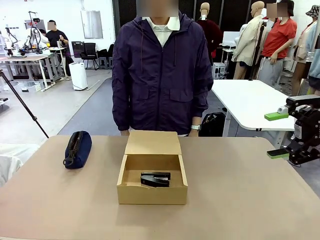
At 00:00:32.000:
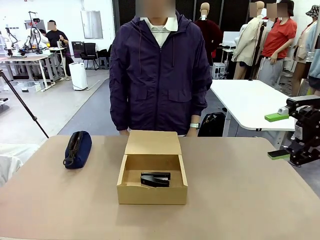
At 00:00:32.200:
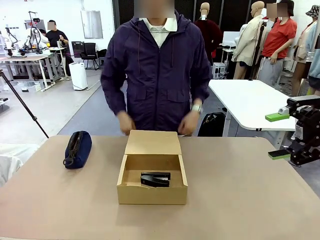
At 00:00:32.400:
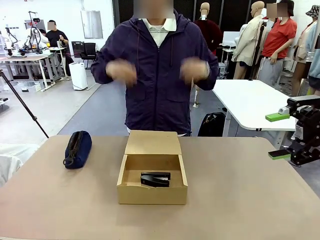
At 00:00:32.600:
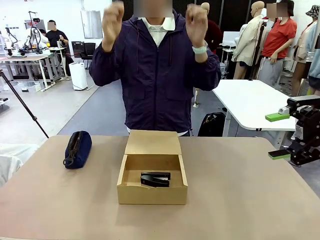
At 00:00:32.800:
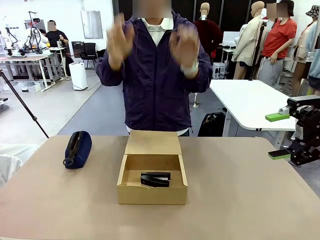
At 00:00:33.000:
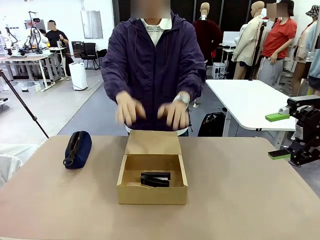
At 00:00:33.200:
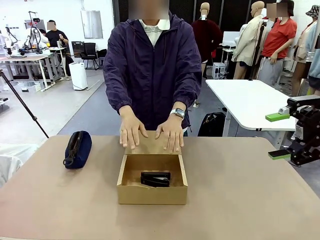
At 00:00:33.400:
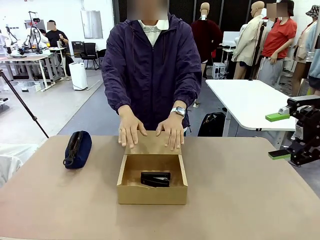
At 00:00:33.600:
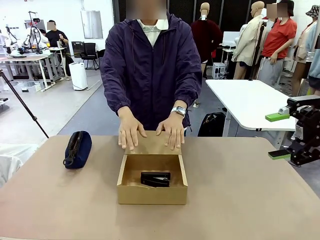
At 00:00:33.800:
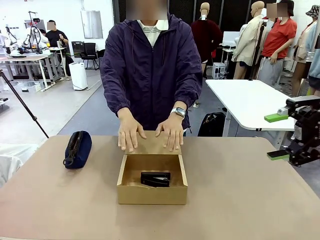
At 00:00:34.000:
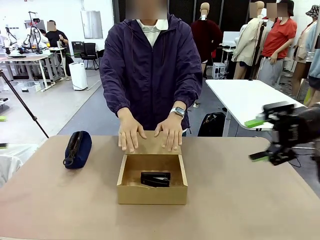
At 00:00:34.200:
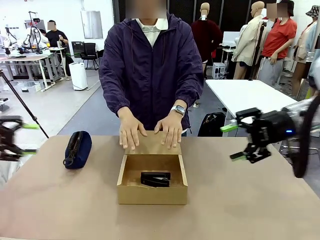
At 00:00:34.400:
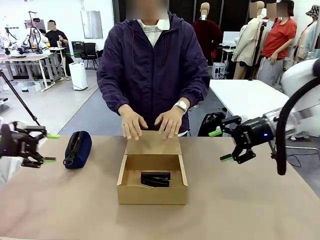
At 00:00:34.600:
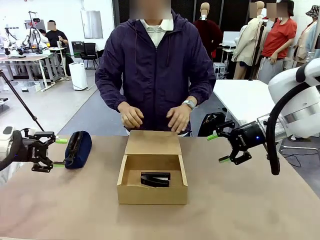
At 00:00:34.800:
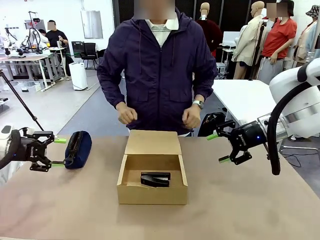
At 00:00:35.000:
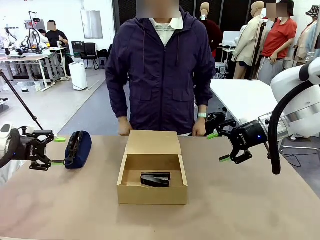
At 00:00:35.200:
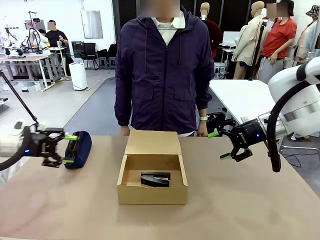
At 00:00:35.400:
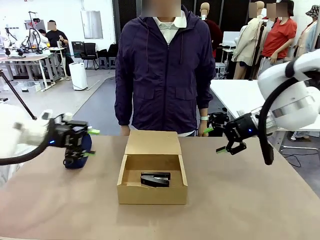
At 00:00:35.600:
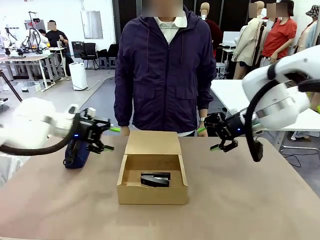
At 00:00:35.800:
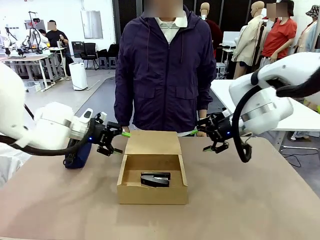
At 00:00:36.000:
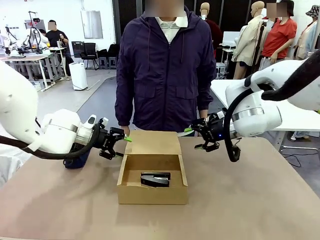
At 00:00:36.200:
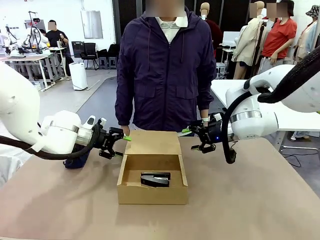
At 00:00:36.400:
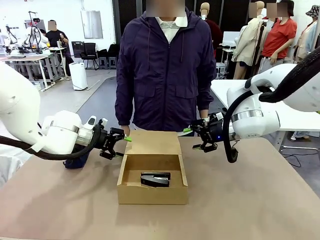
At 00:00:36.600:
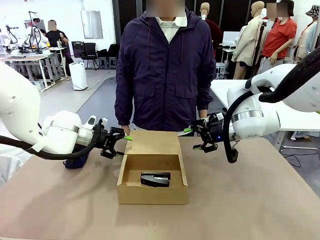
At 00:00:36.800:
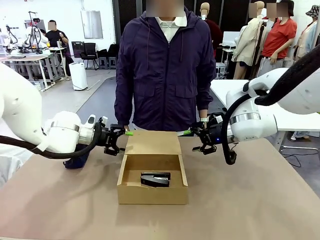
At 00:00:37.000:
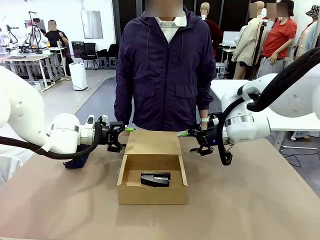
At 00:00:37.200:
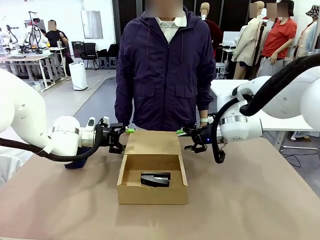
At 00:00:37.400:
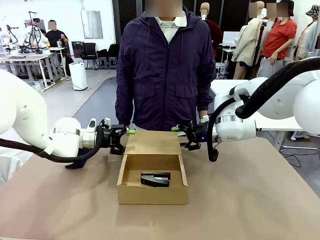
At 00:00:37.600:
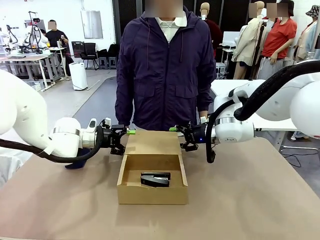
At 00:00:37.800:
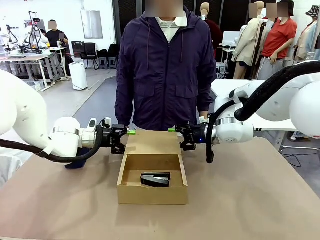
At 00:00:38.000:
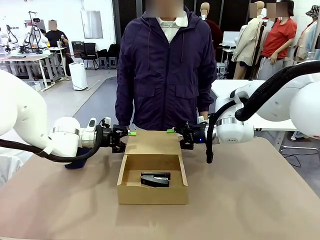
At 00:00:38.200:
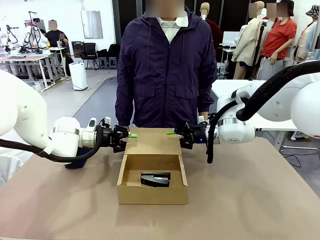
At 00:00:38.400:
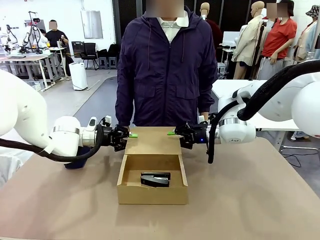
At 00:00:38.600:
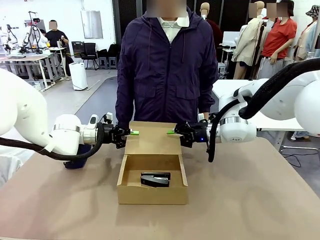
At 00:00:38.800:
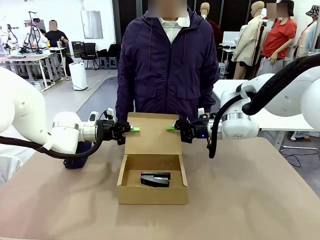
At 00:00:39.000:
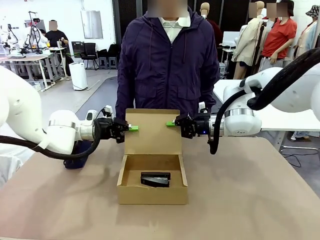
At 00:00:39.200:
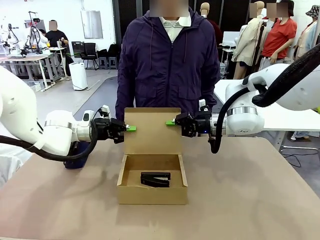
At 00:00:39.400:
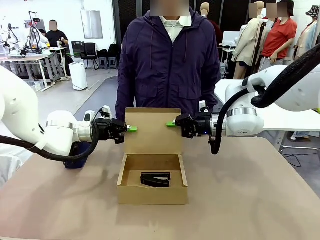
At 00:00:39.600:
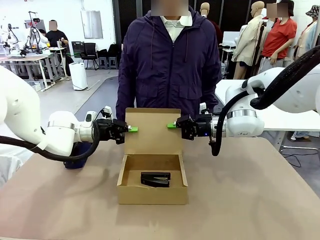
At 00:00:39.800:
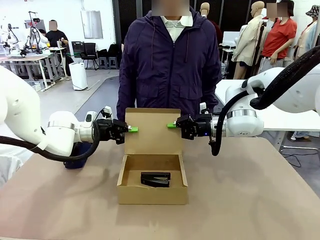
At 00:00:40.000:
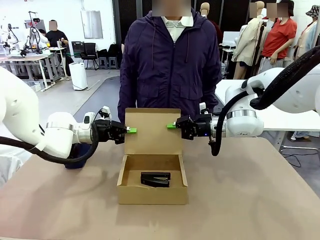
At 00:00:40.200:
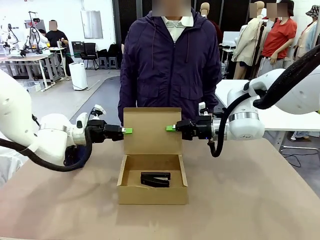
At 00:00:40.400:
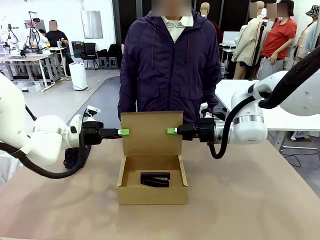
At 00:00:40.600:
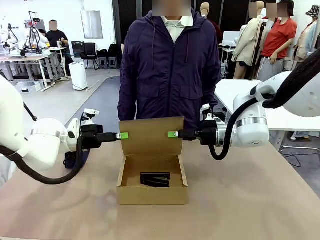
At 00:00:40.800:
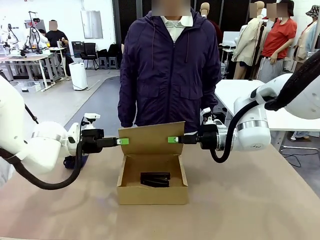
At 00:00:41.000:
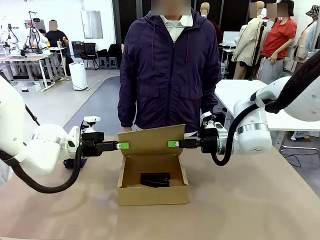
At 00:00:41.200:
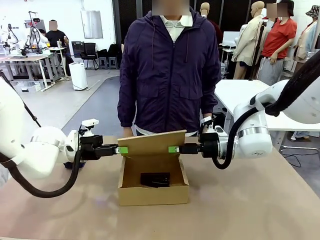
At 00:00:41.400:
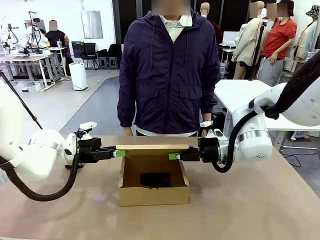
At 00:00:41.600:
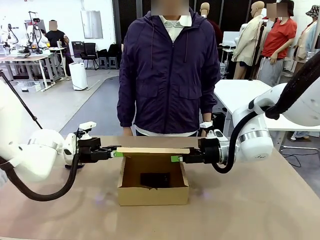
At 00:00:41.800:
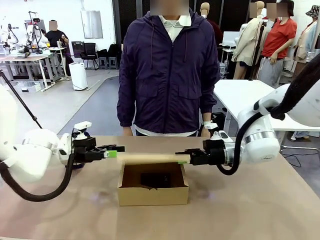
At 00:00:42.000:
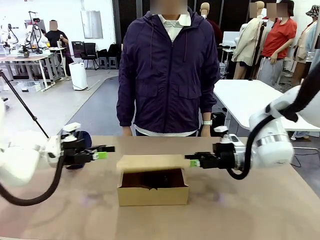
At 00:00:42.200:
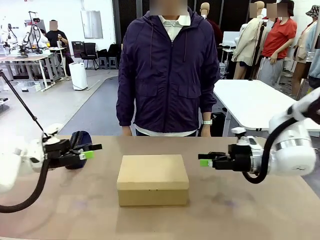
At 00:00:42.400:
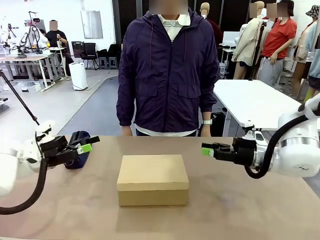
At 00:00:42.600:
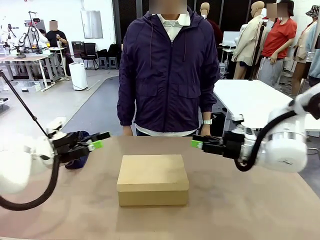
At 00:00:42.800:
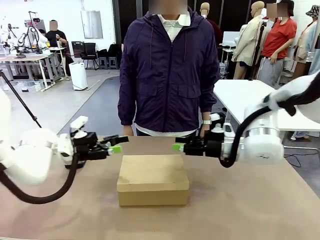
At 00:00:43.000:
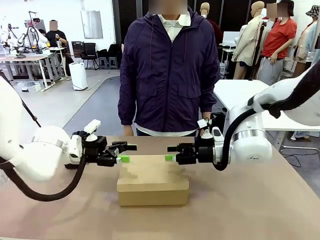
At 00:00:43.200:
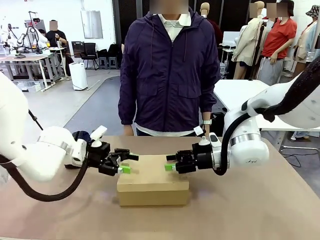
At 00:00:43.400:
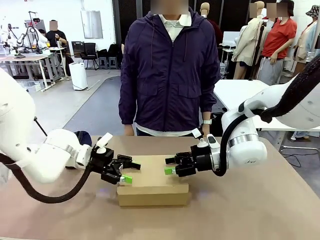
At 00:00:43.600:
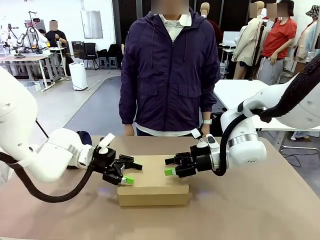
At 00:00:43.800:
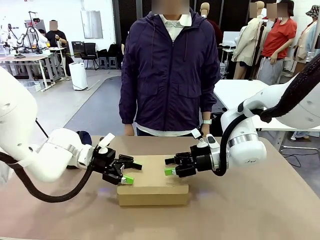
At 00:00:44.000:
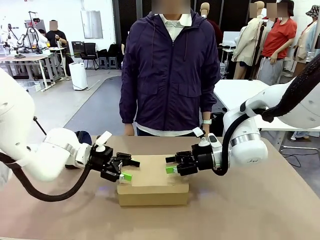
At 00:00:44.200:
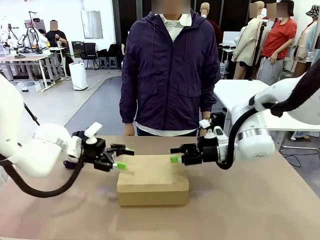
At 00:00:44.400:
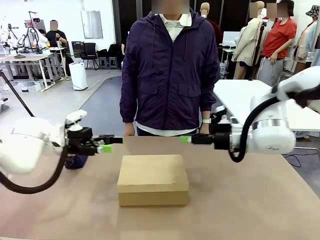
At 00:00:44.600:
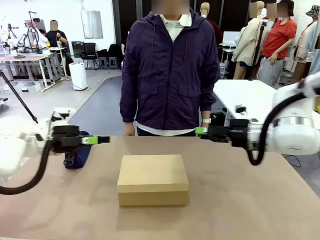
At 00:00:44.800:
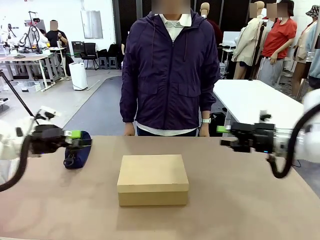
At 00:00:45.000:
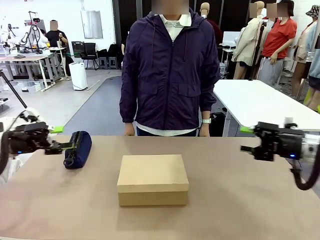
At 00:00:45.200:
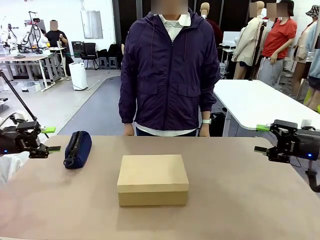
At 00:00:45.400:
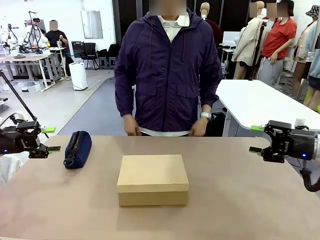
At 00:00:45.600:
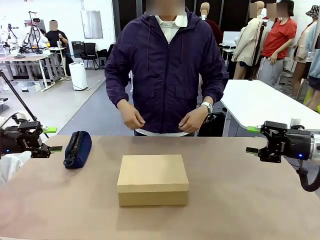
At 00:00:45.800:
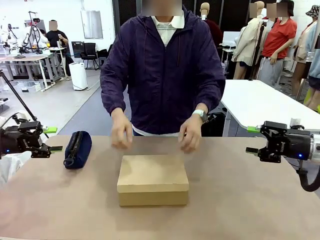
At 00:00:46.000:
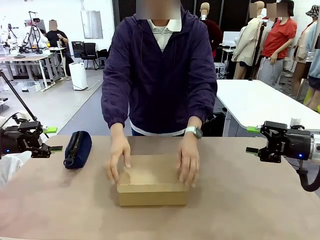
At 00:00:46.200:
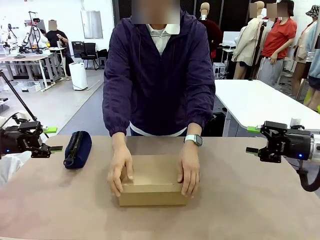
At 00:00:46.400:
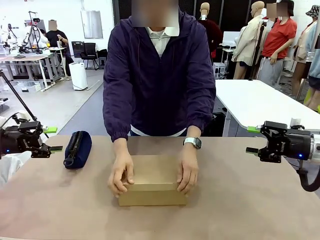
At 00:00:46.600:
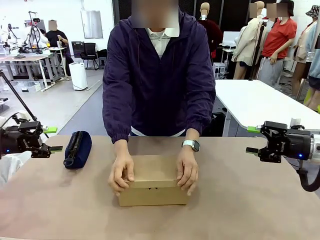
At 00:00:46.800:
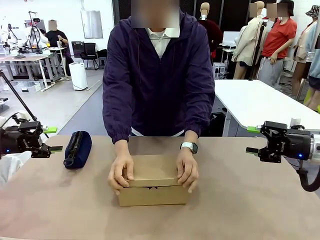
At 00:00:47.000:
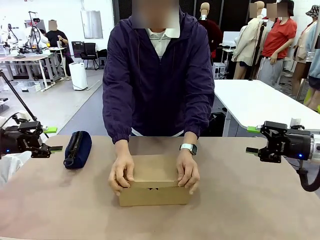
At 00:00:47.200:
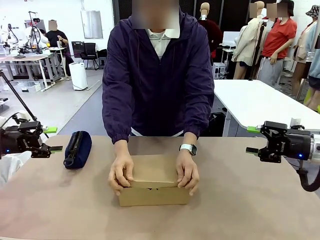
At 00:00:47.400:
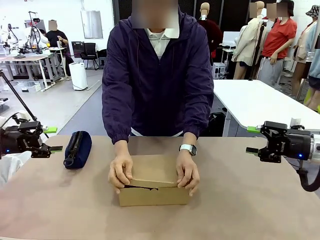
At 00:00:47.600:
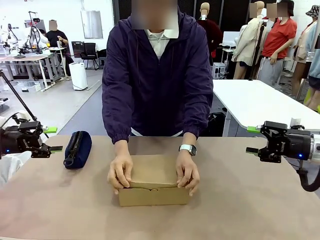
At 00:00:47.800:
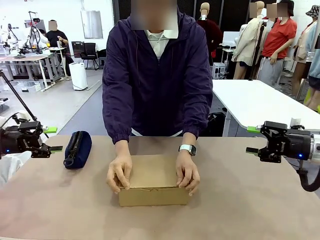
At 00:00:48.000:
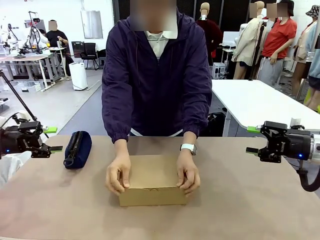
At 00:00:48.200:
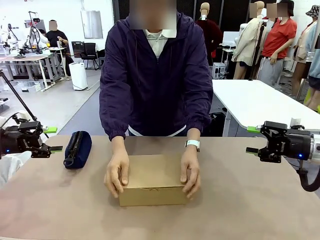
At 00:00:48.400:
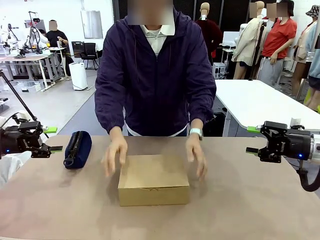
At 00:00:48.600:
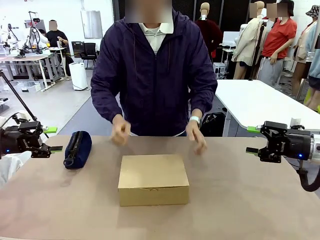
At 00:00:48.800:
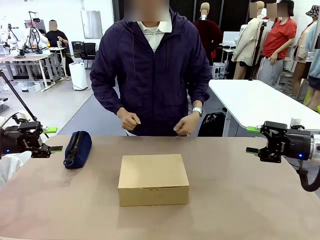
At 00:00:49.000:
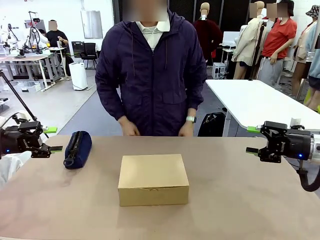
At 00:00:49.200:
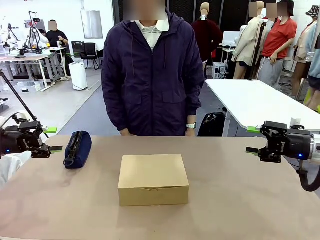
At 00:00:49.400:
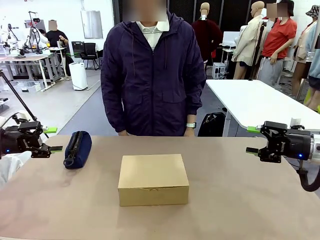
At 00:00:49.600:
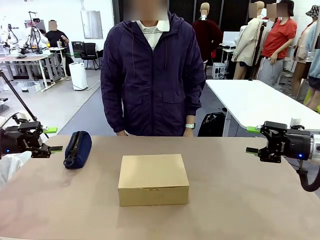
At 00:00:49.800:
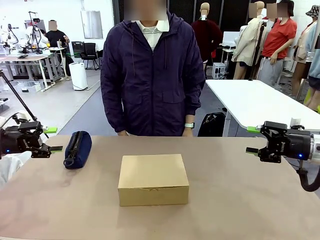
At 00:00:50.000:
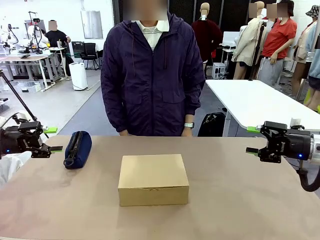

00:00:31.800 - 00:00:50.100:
Task: Pack the items into the box.
Robot: Close the Mailer Box.
Person: Turn the box and lock it.
